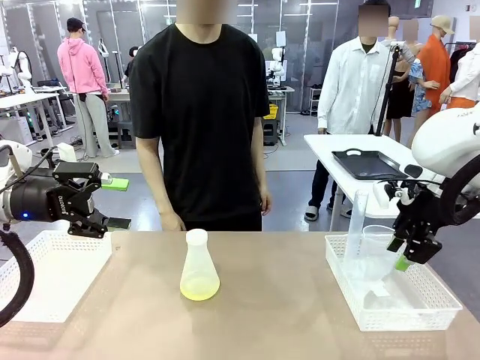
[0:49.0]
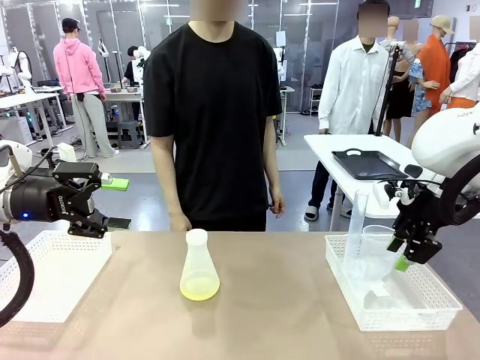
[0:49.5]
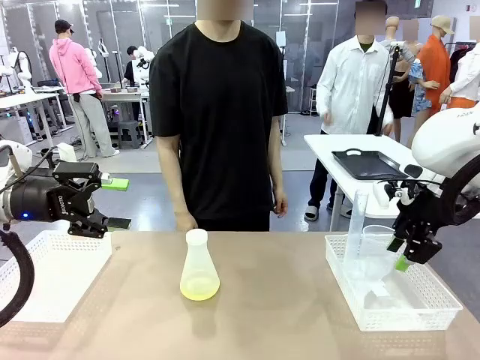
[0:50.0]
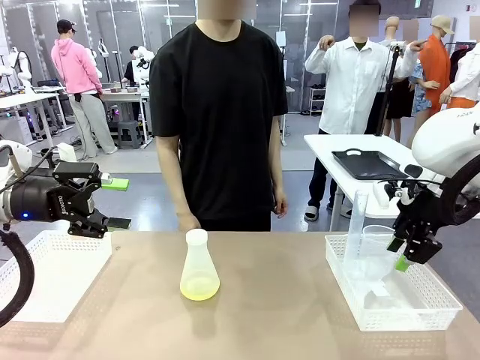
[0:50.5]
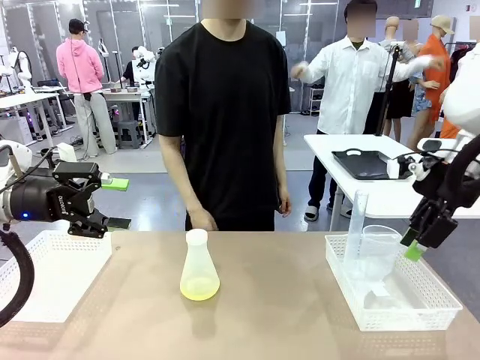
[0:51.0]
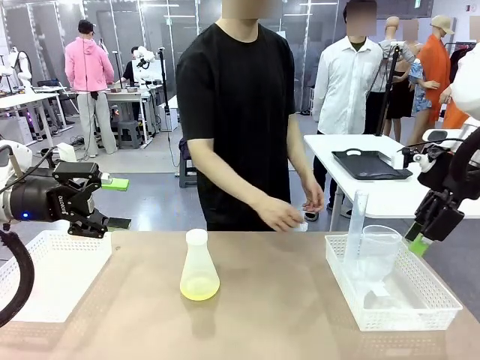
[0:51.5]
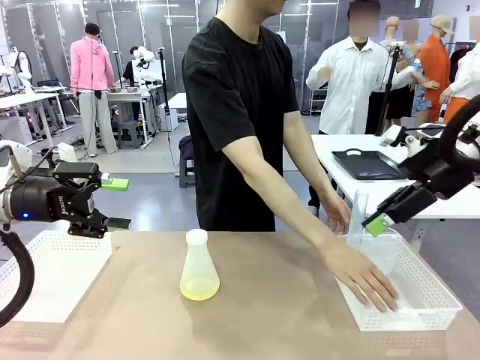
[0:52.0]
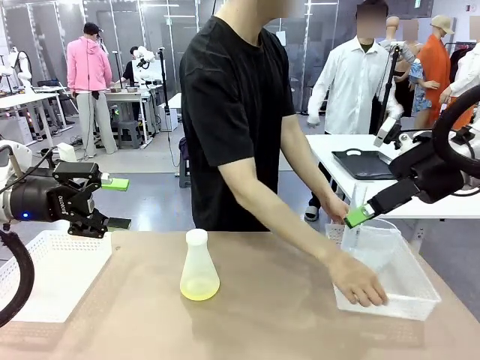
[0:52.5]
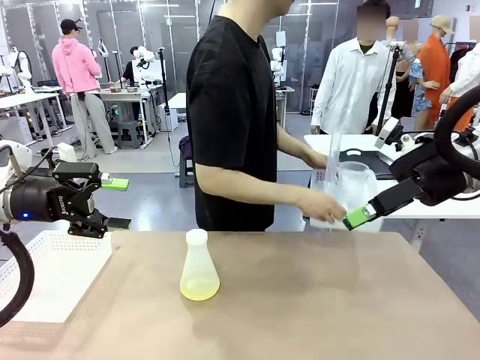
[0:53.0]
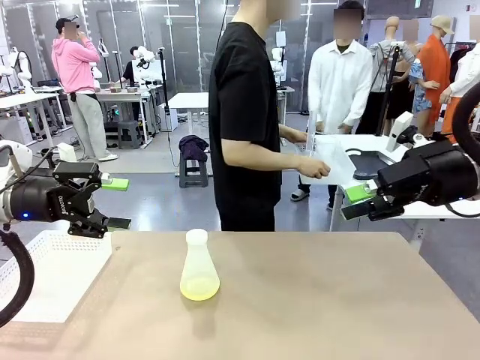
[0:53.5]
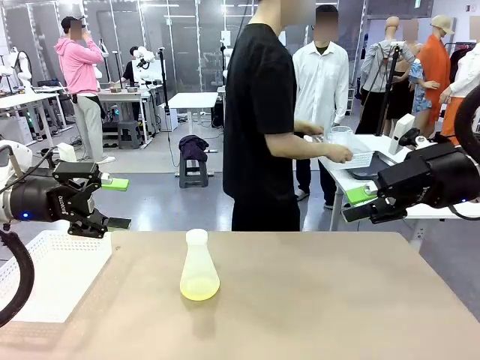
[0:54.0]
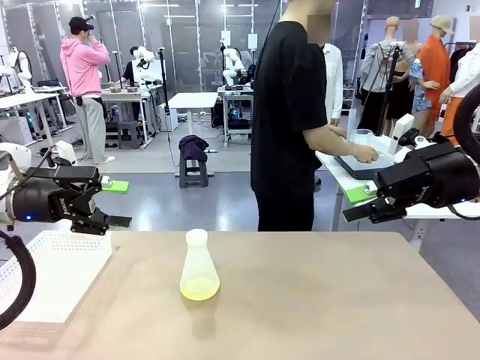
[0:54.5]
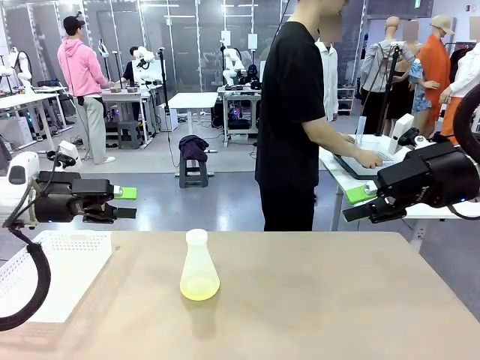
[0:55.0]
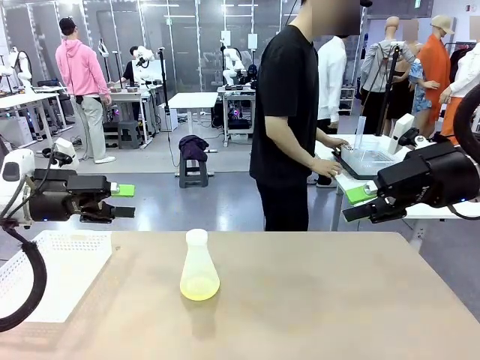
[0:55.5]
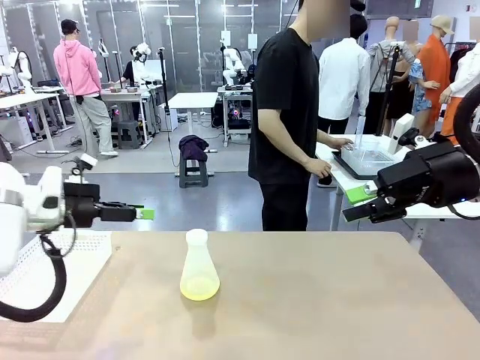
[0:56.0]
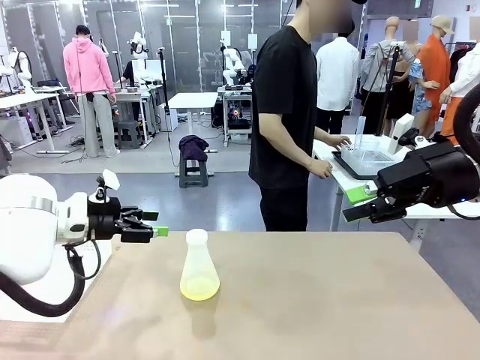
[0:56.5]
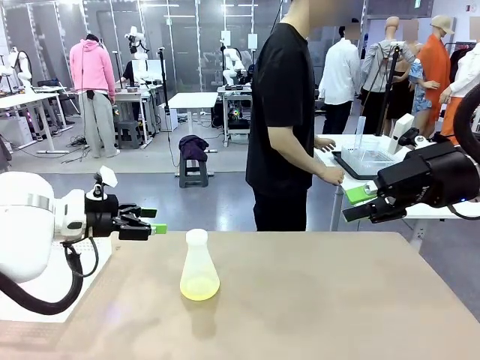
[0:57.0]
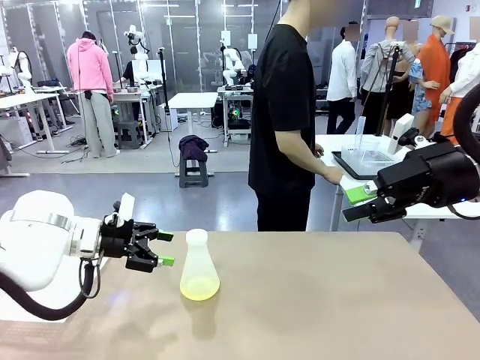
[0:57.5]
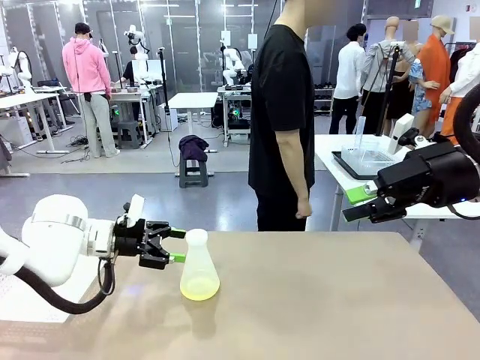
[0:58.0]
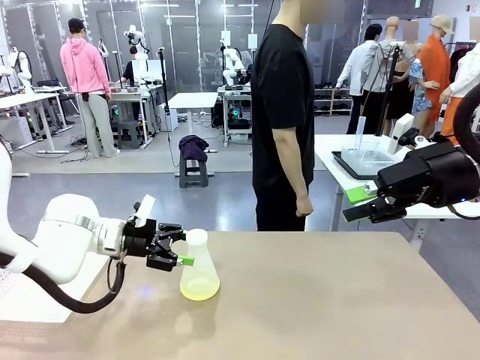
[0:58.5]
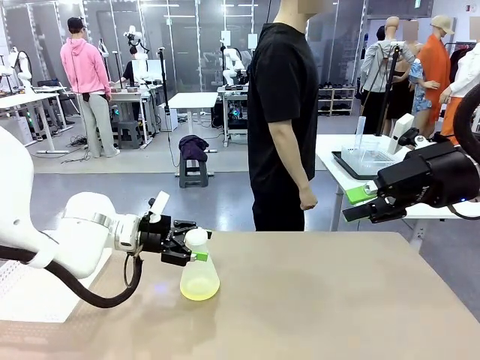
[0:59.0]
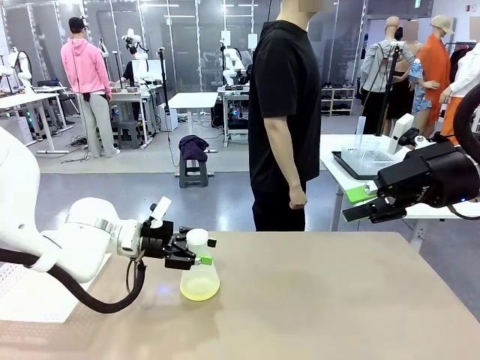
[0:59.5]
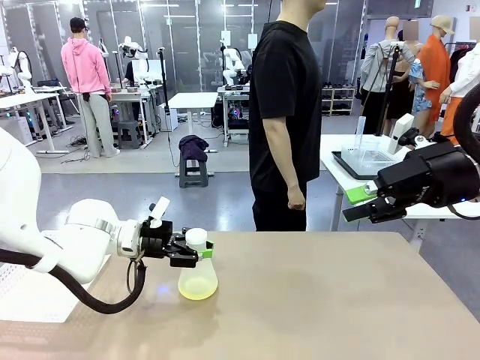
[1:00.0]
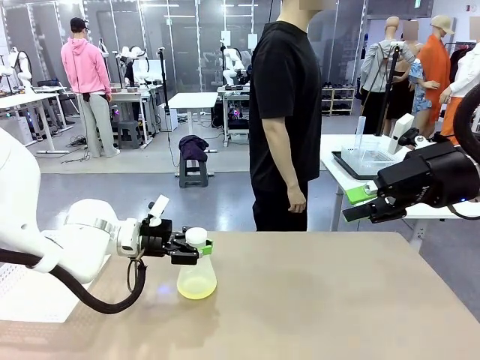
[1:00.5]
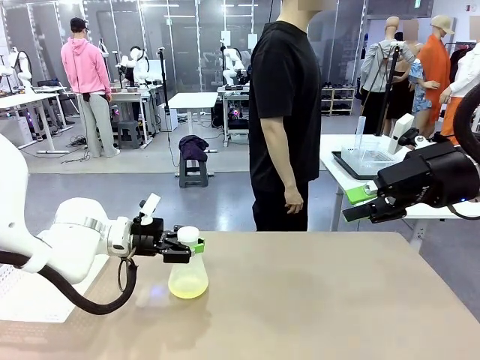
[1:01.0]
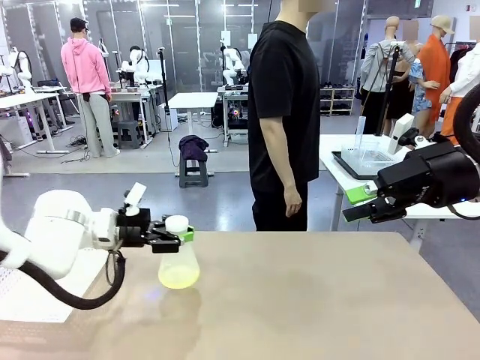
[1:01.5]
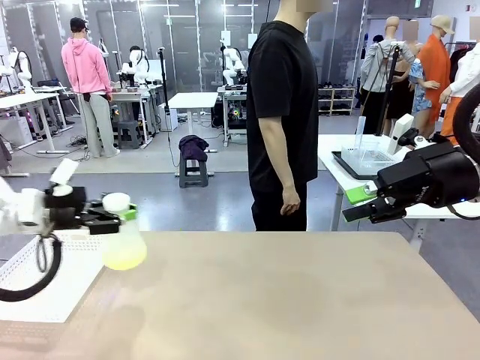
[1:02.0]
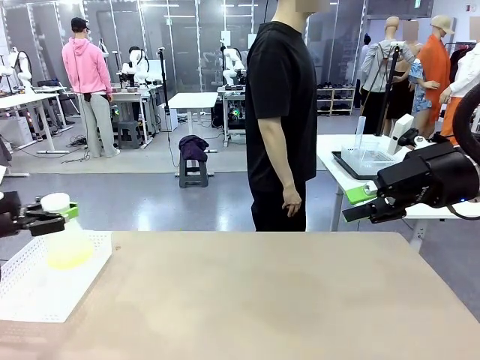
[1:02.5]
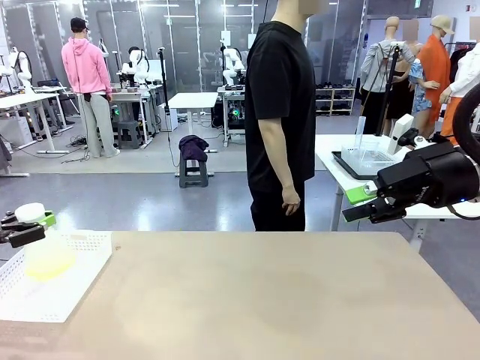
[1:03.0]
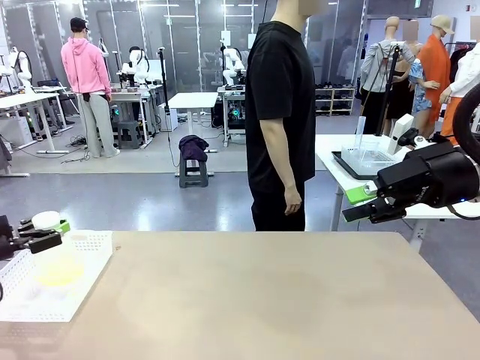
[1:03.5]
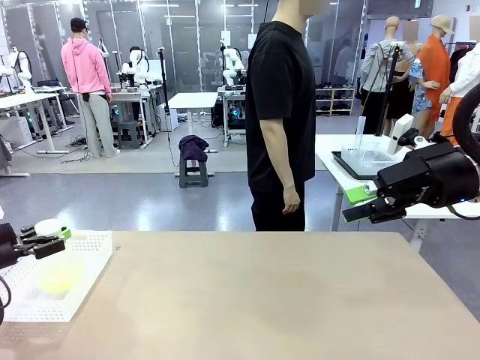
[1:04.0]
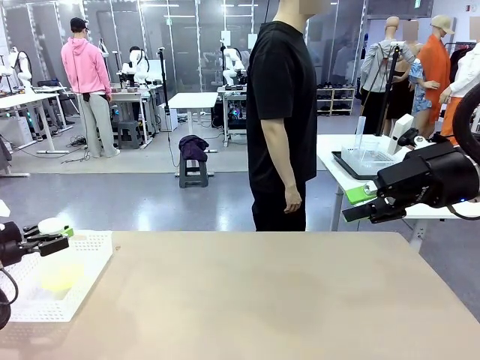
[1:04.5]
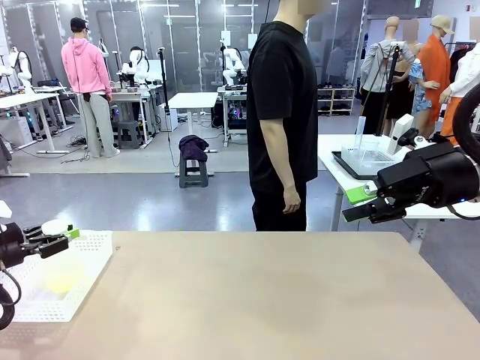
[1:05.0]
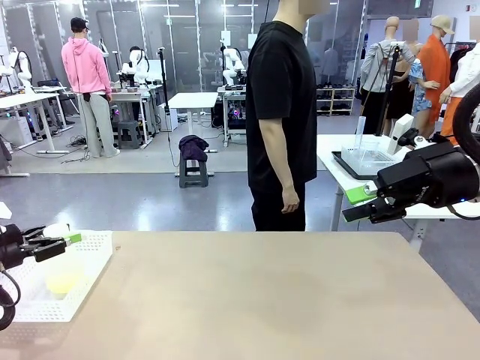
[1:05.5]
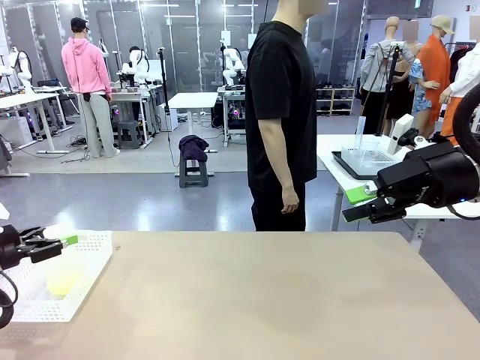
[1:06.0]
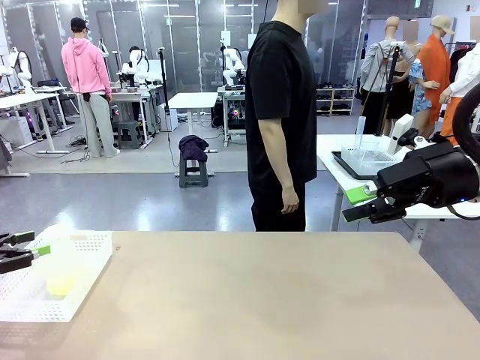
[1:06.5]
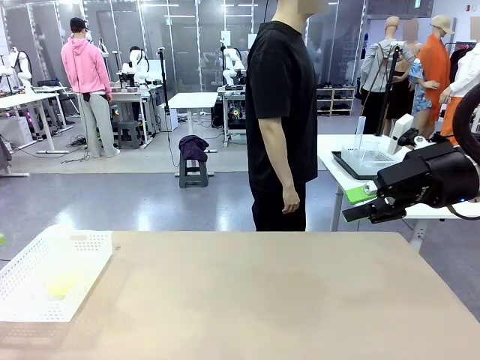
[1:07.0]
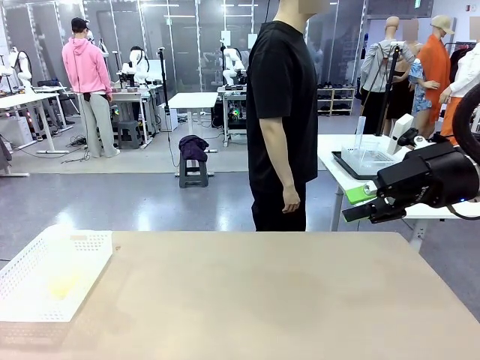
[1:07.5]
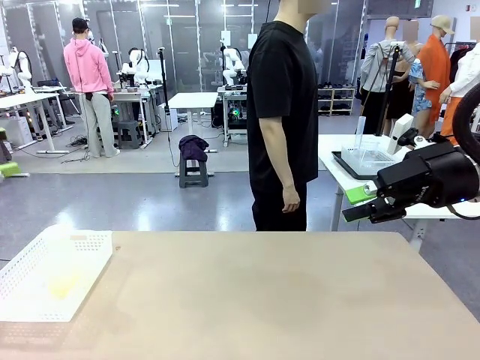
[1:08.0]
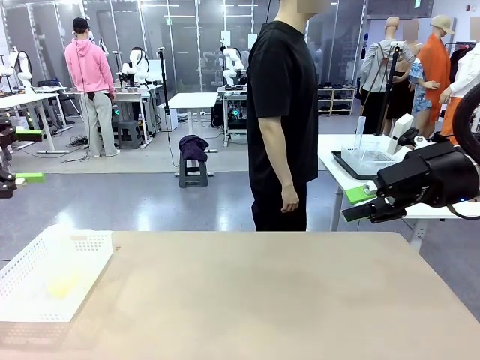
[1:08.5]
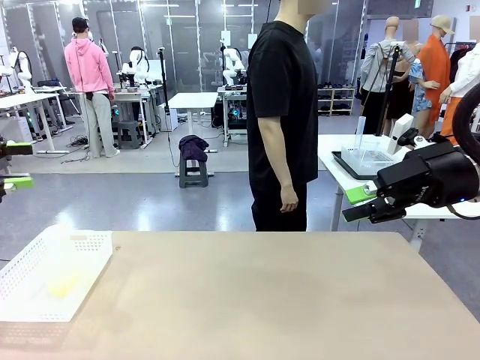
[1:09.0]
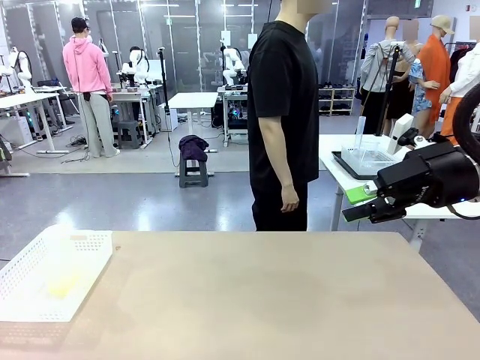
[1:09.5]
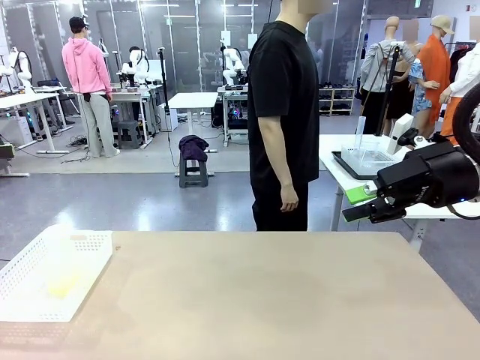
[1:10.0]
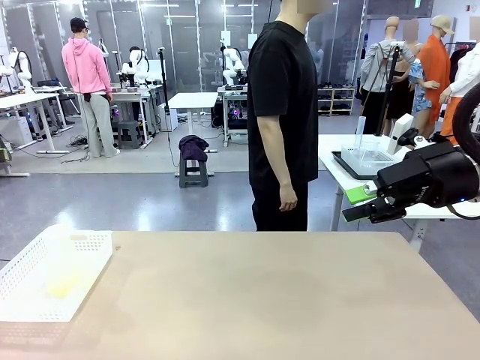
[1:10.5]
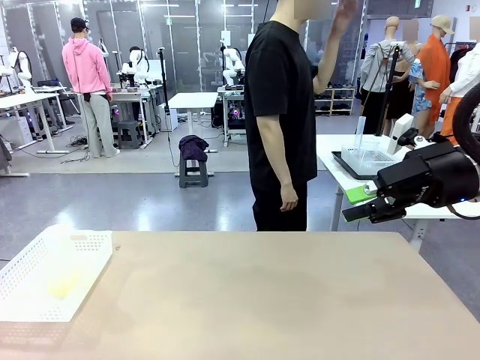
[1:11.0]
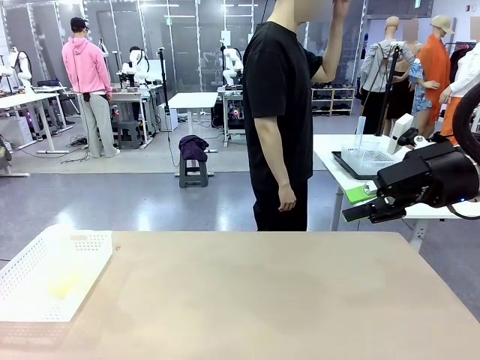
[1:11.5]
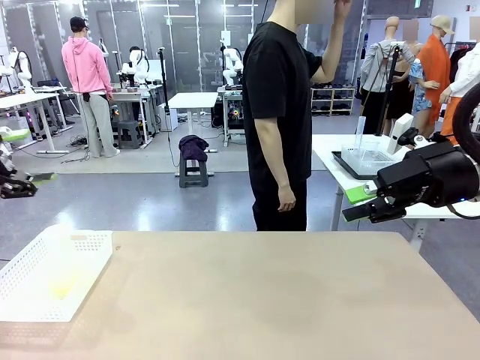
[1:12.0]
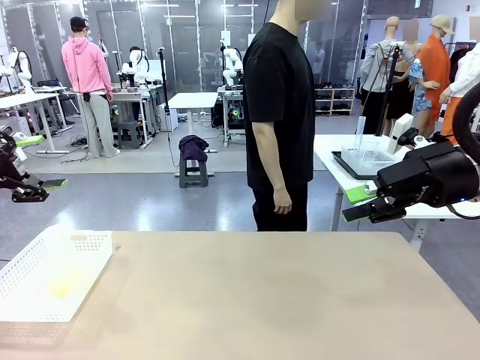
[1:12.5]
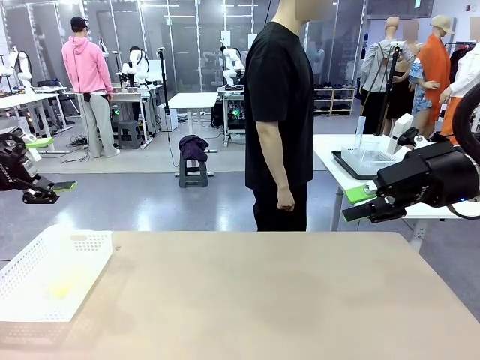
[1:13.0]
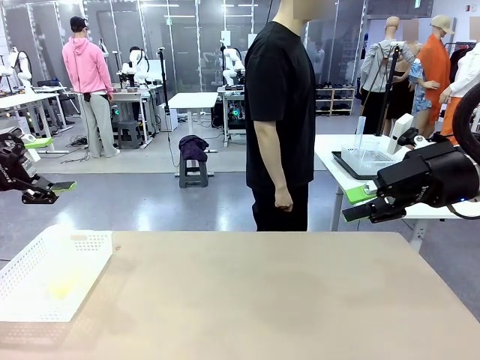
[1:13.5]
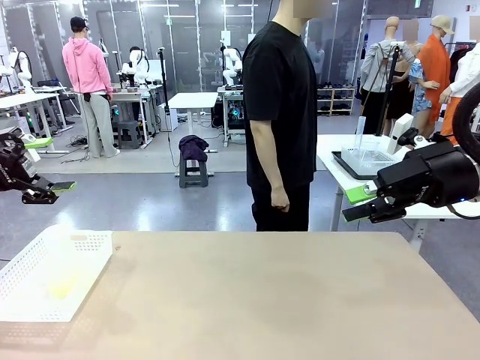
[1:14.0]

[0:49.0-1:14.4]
Task: Prepare the solutions needed for the experiment.
Robot: When the human places the Big flask in the center of the table, pick up the Big flask and place it in the left Organizing basket.
Person: Pick up the organizing basket on the left side of the robot table and place it on the left side of the human table.
